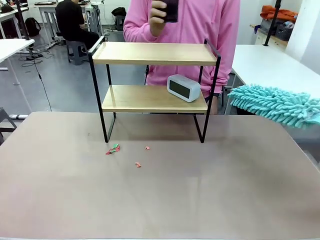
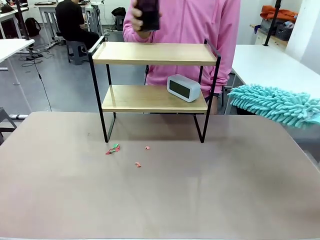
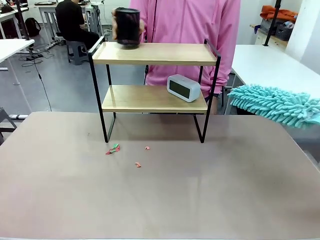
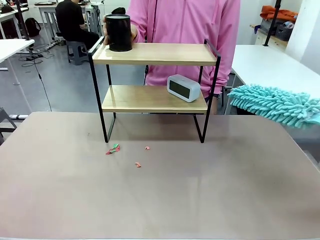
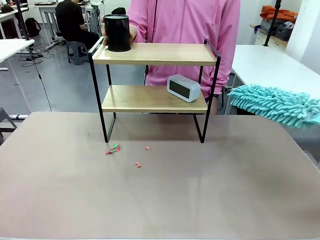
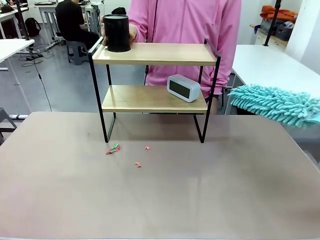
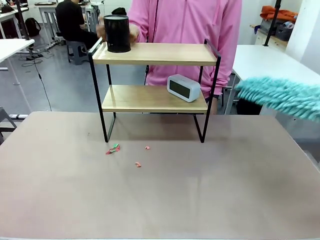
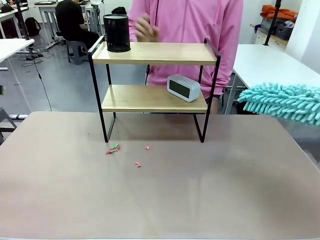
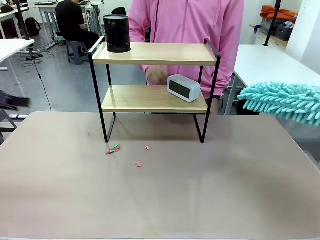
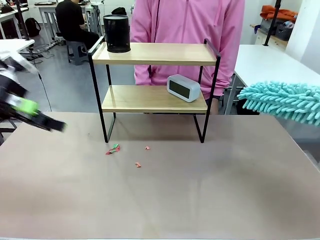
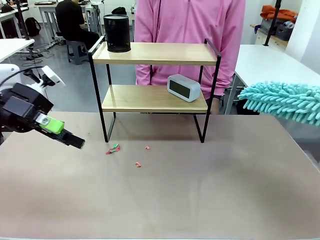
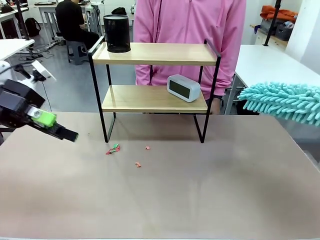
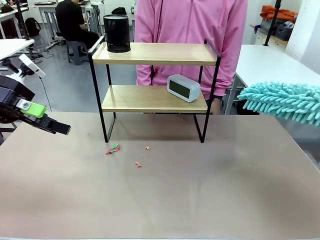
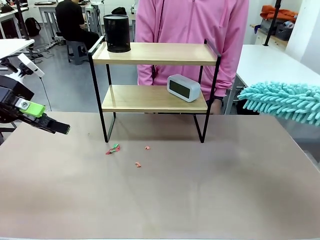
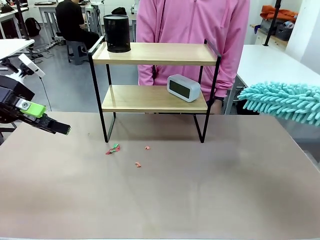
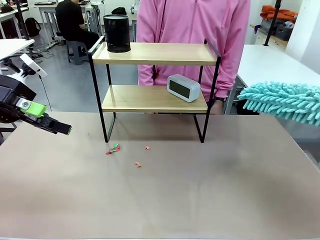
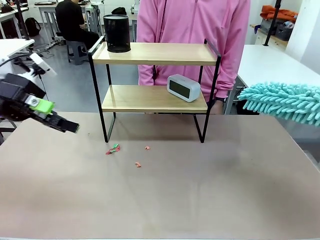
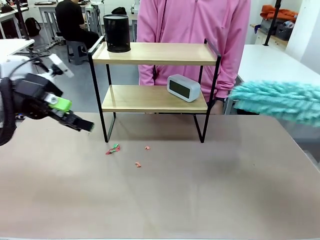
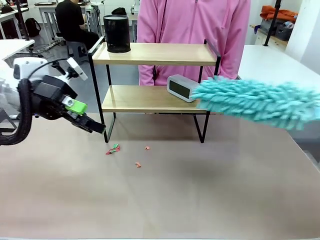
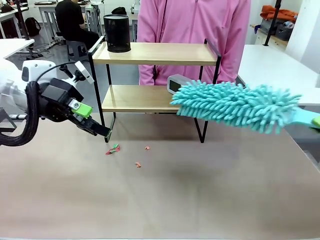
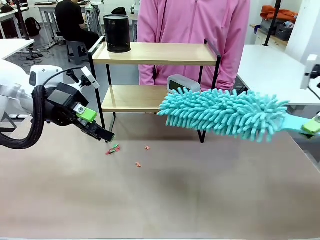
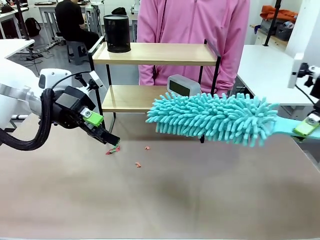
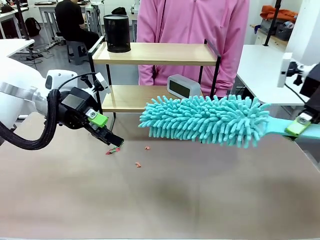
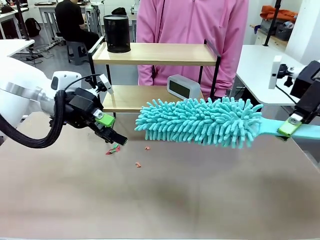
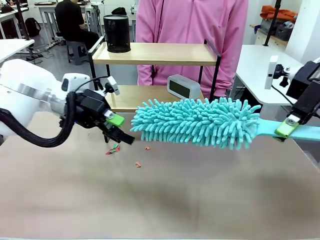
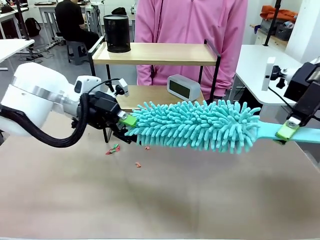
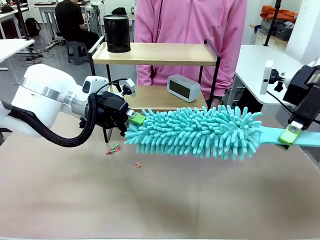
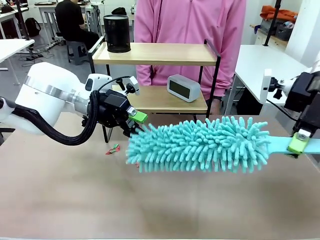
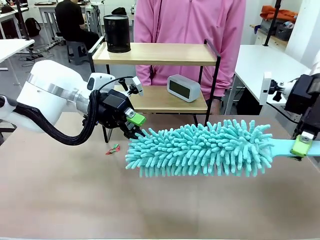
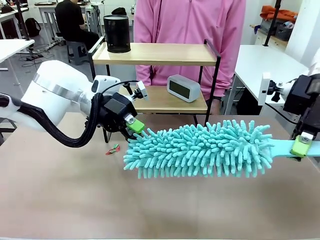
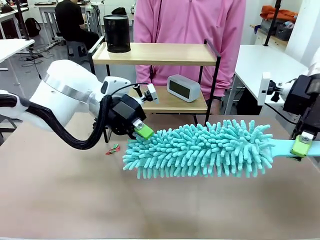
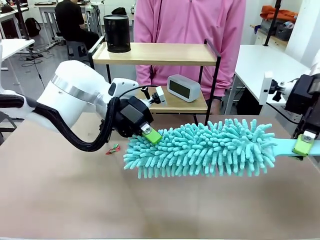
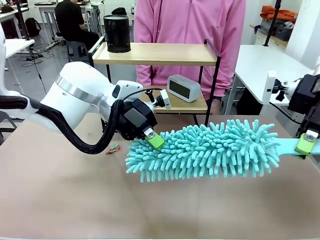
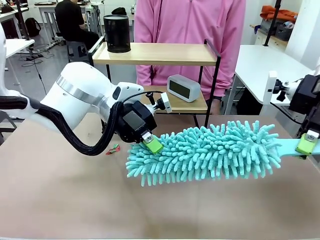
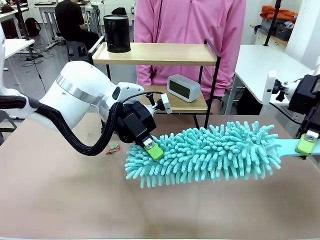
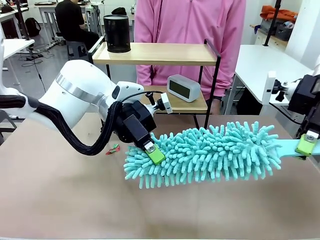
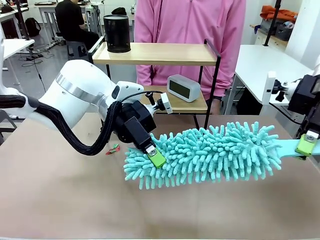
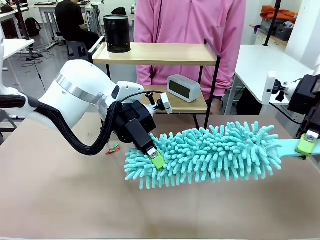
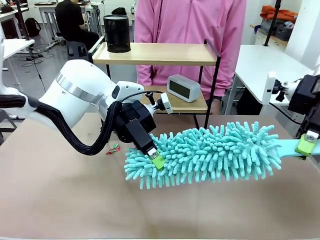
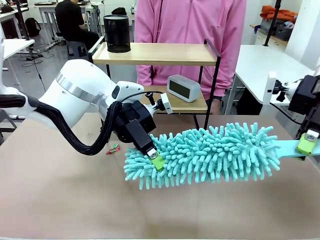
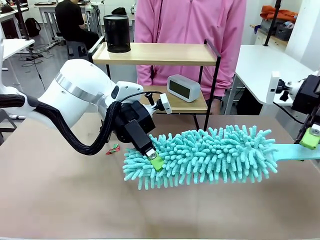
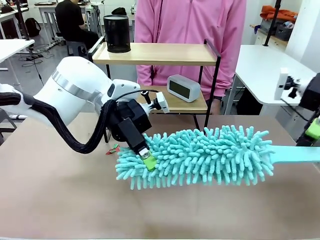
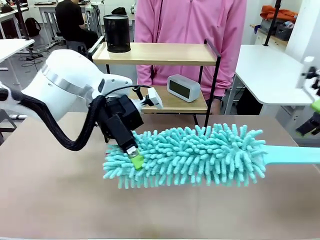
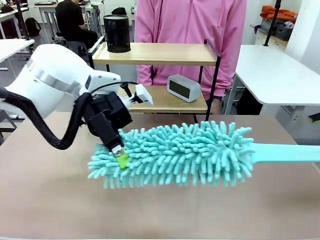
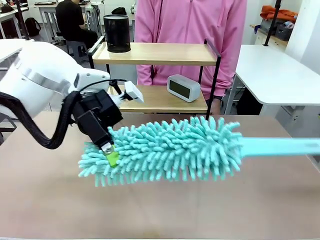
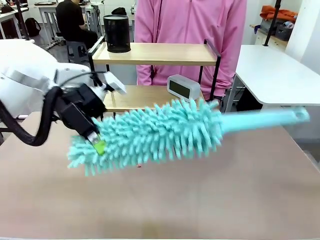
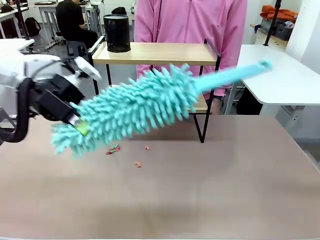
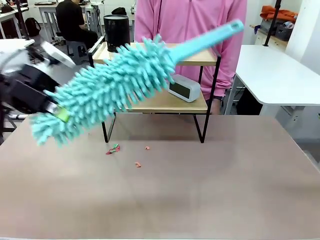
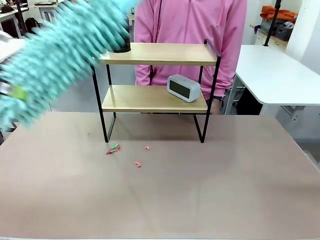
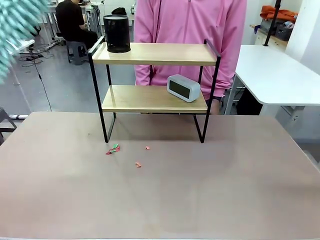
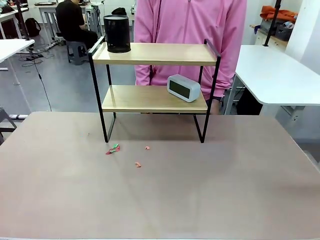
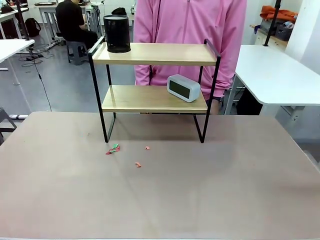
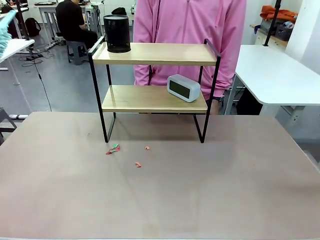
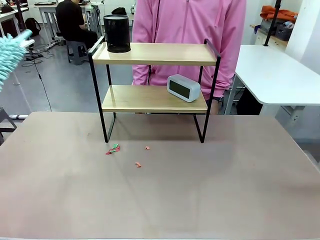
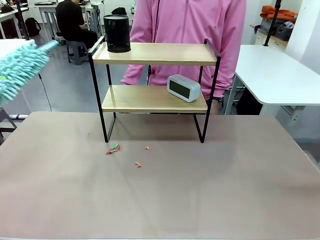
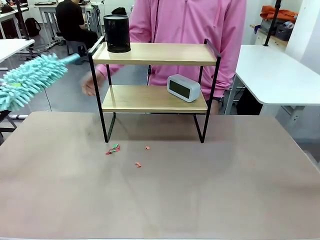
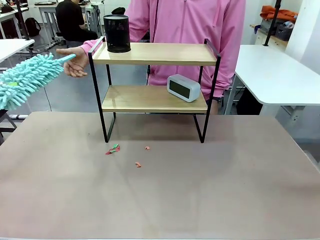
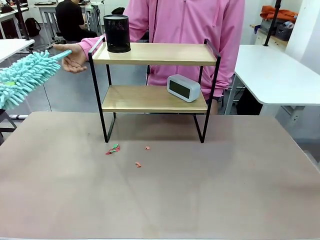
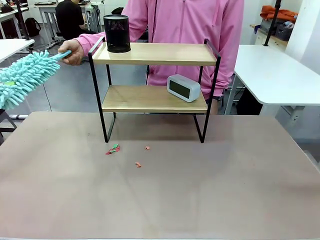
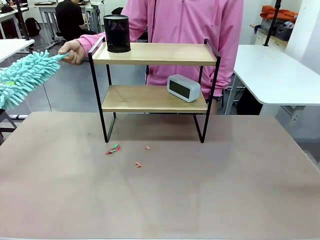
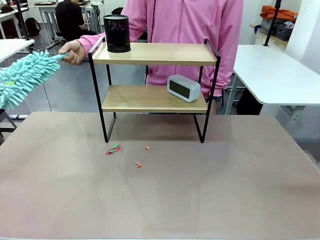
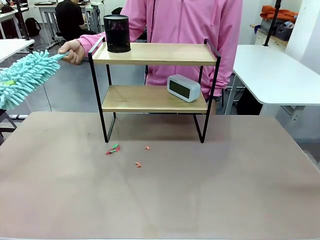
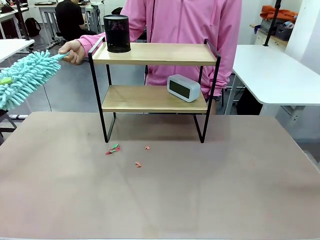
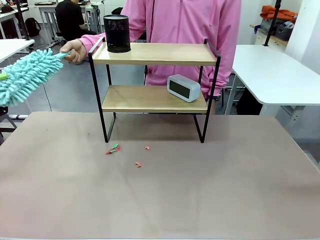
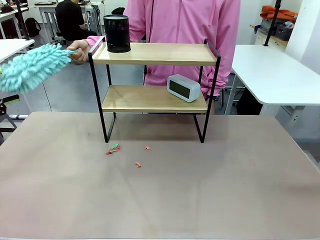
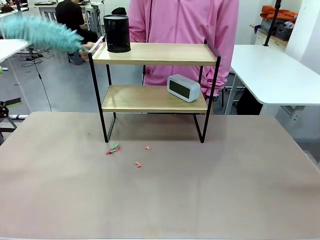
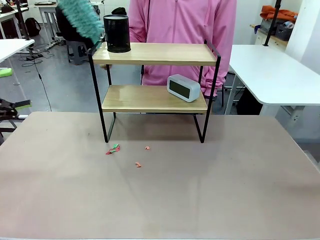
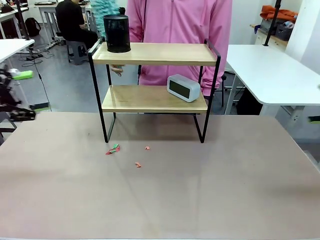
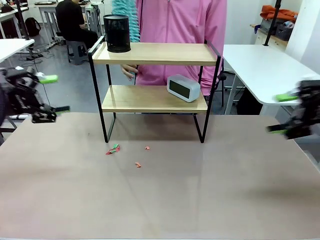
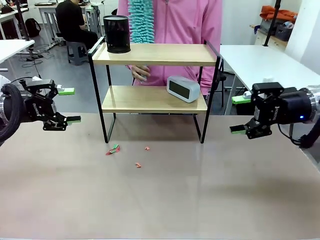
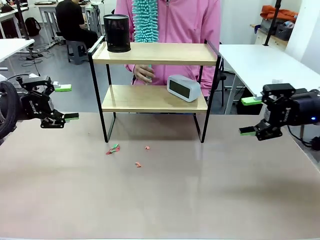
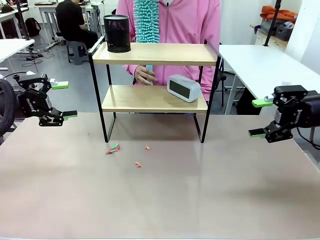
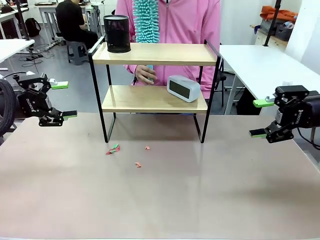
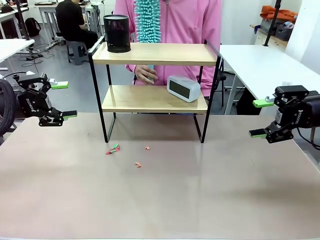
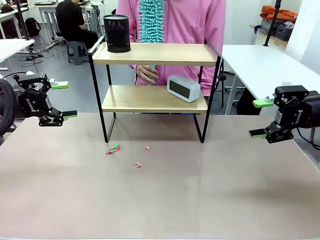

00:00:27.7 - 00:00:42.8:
Task: Clean the shelf.
Robot: Hand the Duster back to the human.
Person: Receive the Duster from the robot.

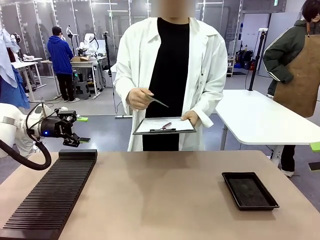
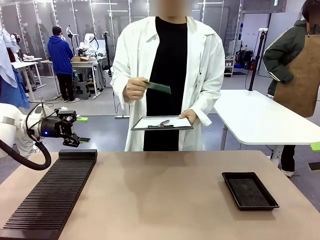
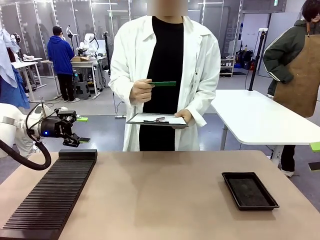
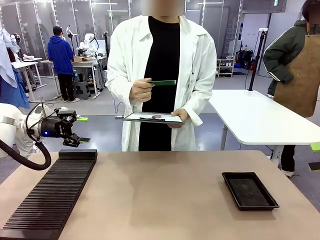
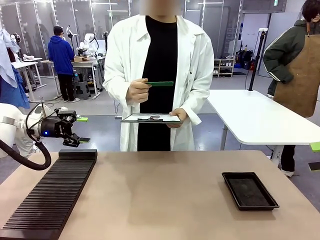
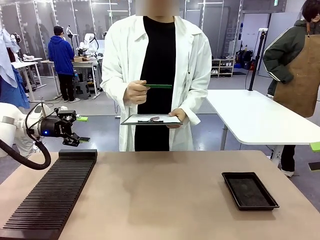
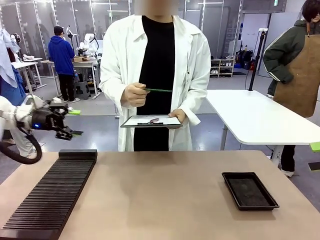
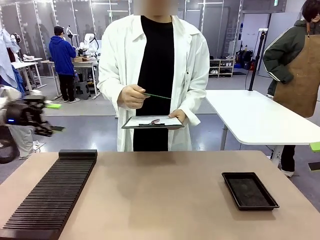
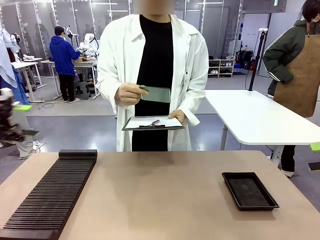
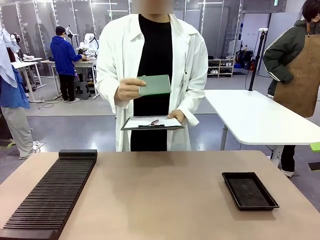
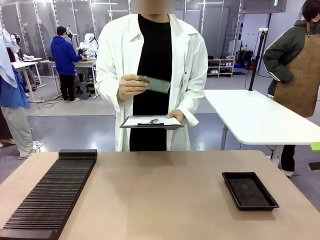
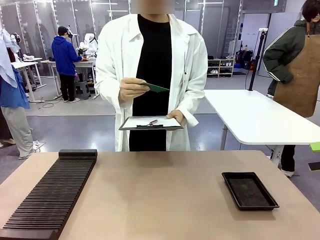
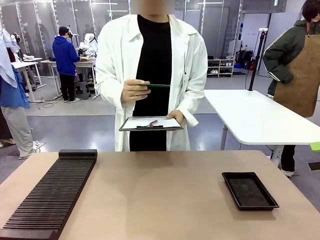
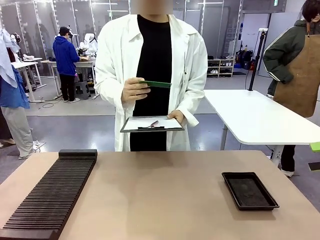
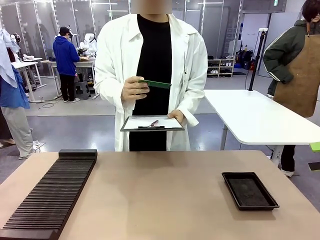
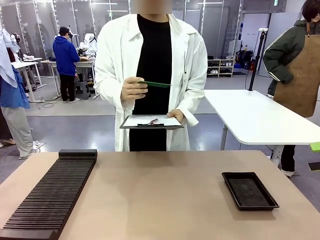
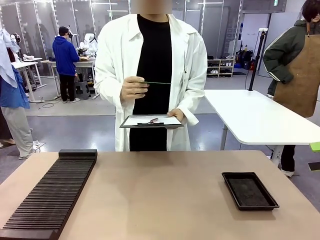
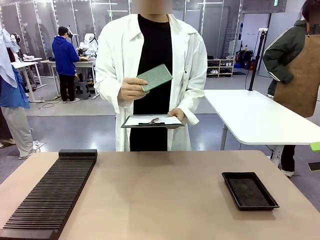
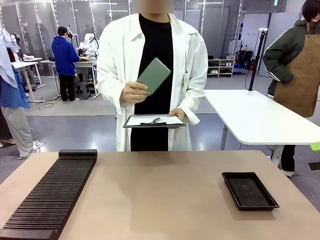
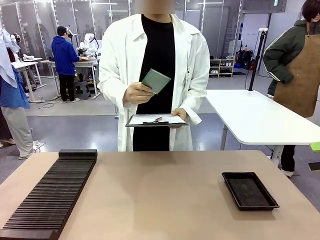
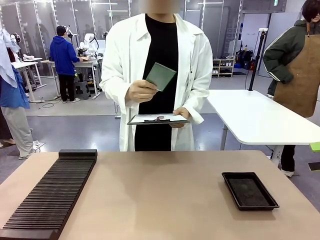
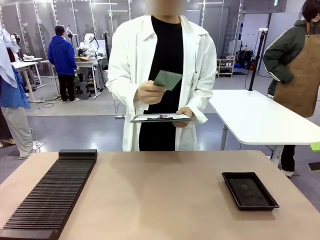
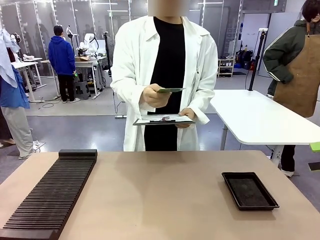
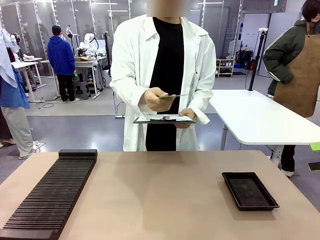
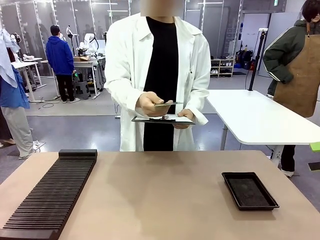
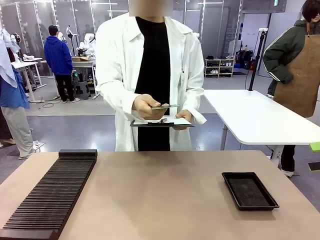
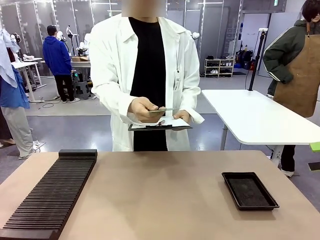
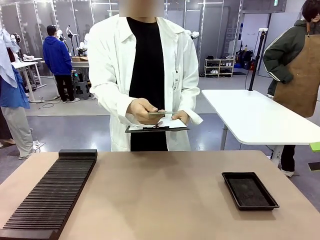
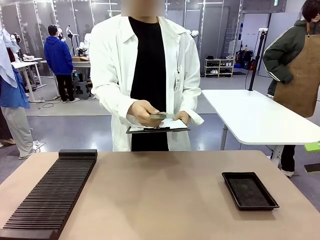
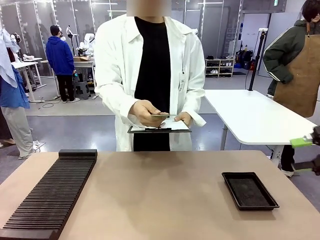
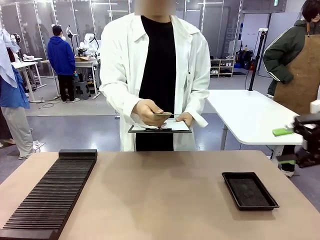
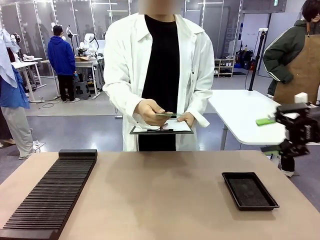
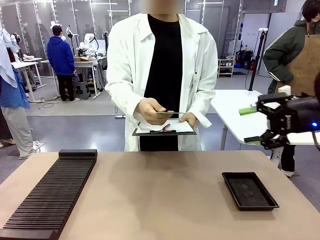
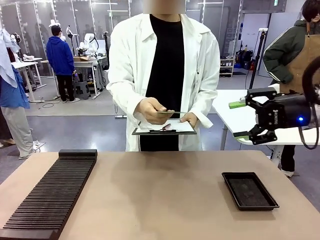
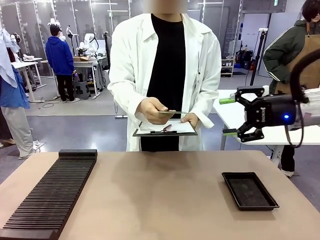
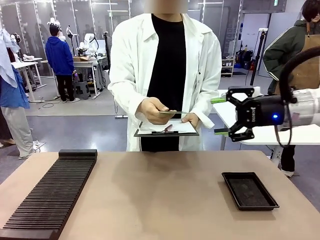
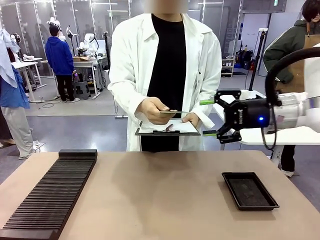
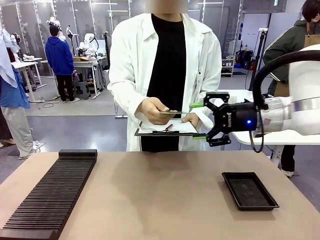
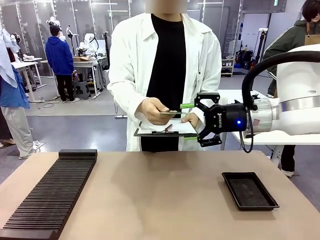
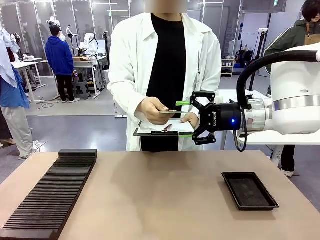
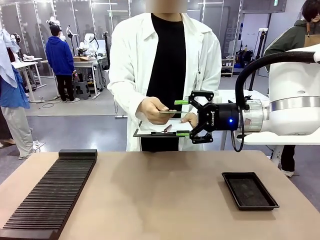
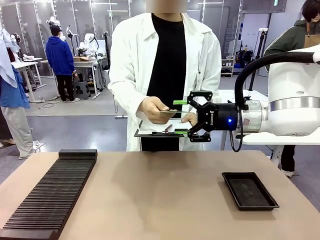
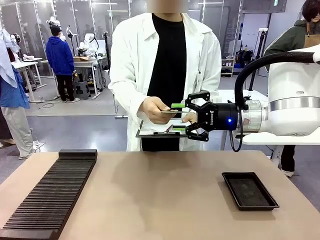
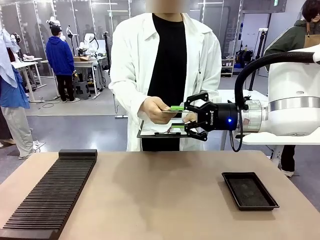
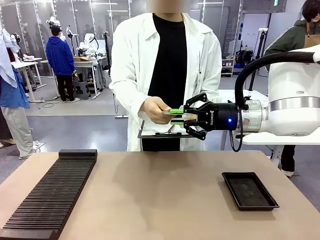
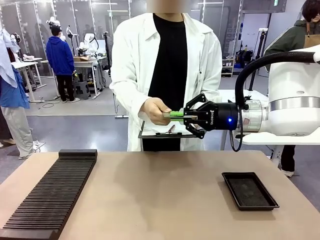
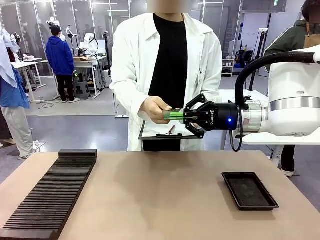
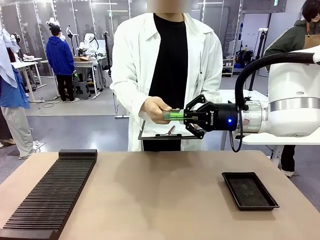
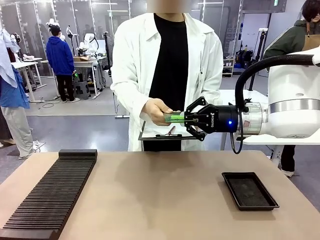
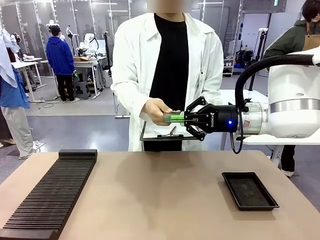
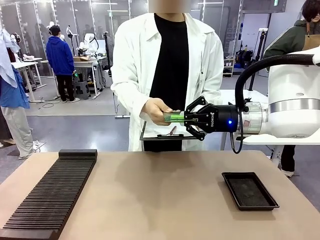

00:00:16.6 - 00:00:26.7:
Task: Inspect the PCB.
Robot: Pick up the Blank PCB that the human is holding.
Person: Inspect the PCB placed by the robot, then hold it out in front of the robot. Release the PCB you were holding.
